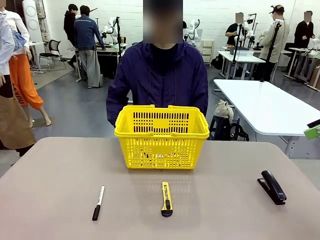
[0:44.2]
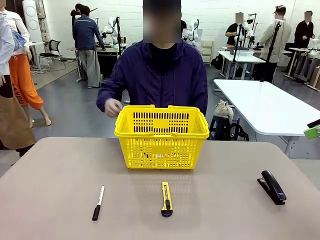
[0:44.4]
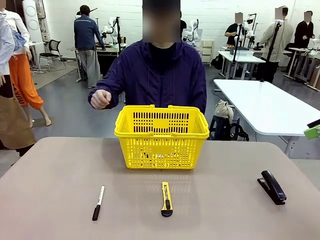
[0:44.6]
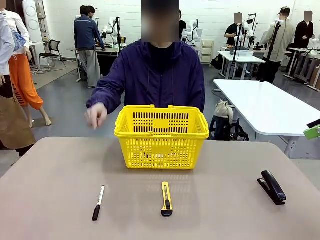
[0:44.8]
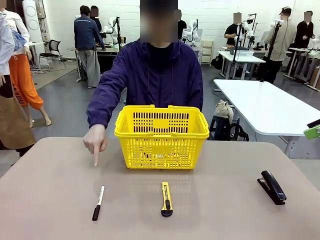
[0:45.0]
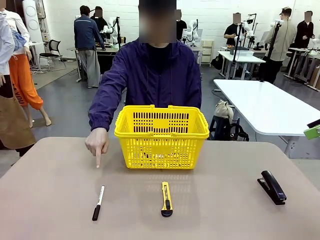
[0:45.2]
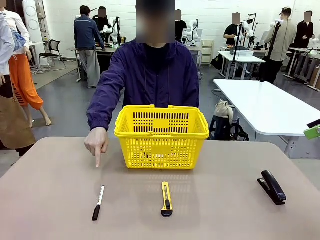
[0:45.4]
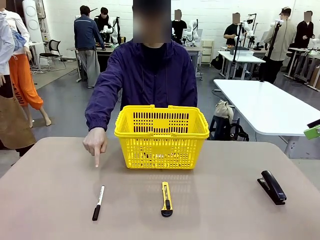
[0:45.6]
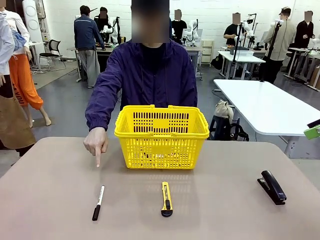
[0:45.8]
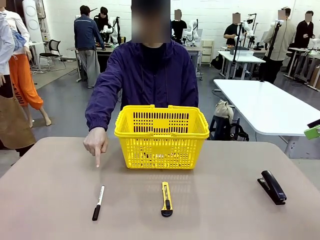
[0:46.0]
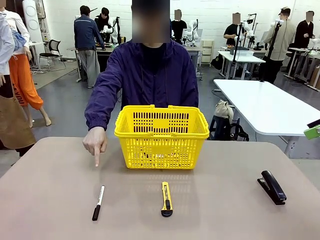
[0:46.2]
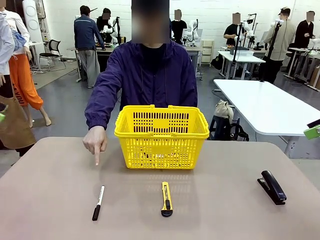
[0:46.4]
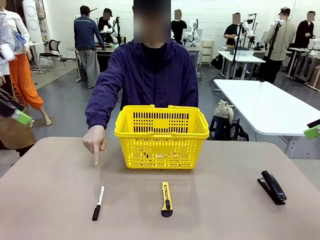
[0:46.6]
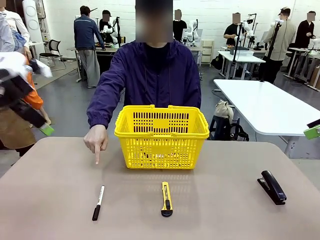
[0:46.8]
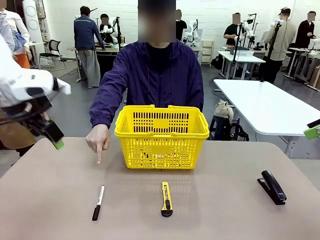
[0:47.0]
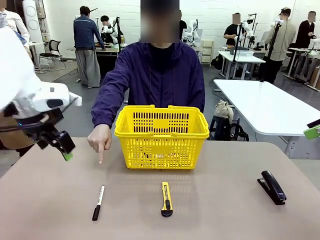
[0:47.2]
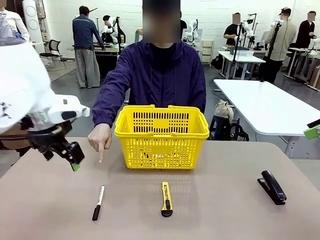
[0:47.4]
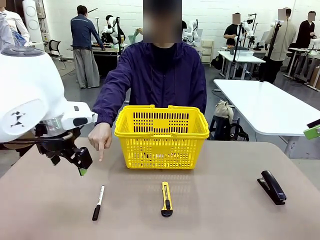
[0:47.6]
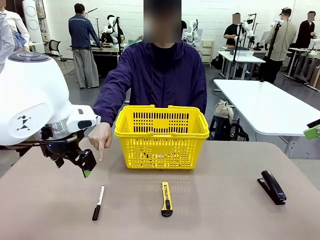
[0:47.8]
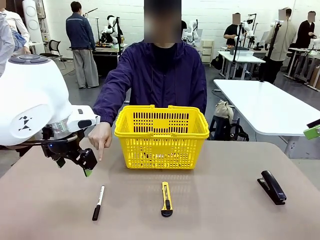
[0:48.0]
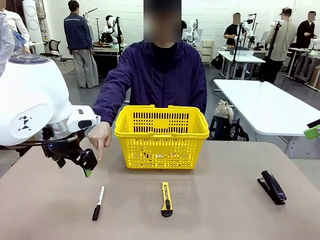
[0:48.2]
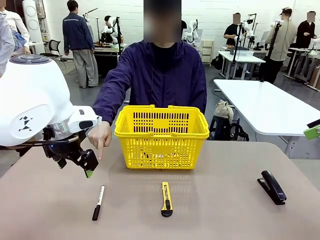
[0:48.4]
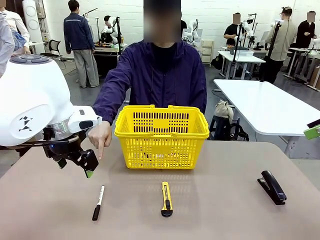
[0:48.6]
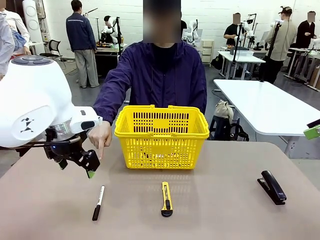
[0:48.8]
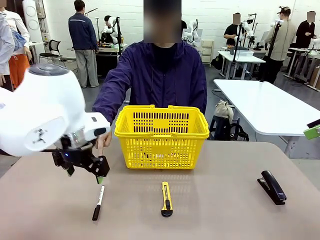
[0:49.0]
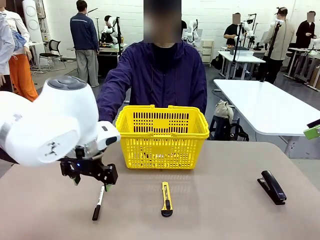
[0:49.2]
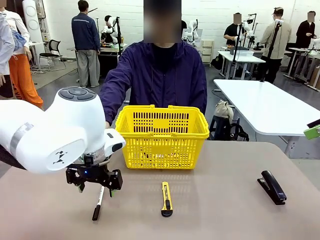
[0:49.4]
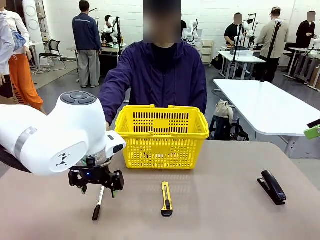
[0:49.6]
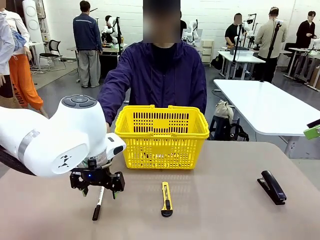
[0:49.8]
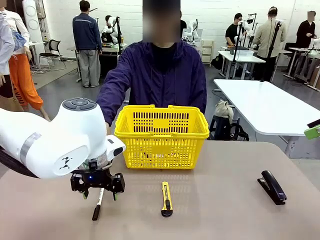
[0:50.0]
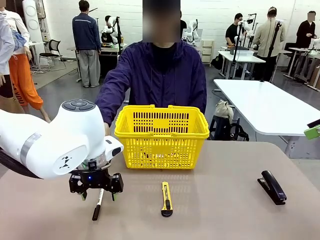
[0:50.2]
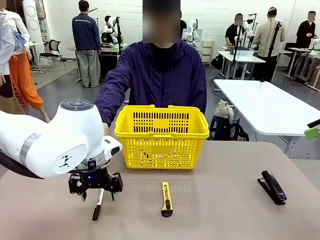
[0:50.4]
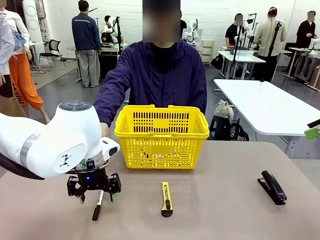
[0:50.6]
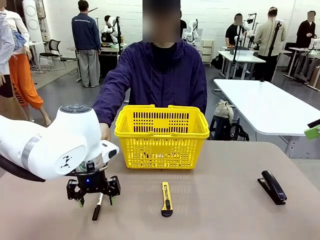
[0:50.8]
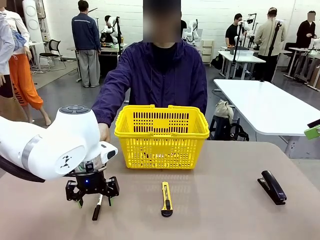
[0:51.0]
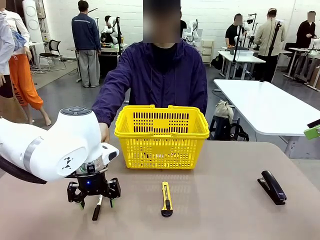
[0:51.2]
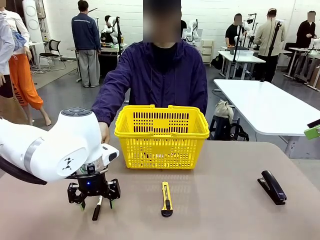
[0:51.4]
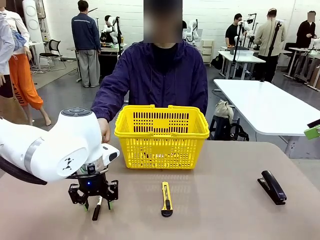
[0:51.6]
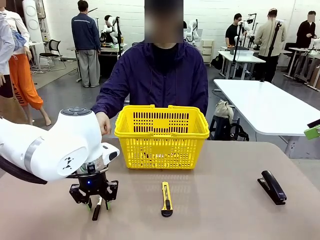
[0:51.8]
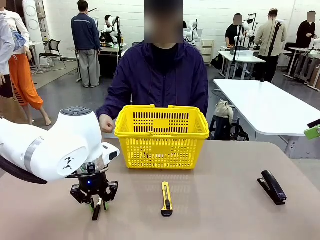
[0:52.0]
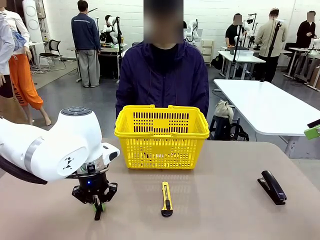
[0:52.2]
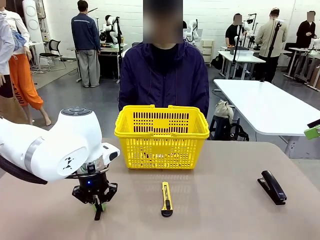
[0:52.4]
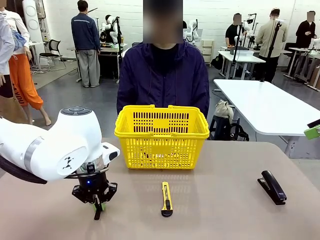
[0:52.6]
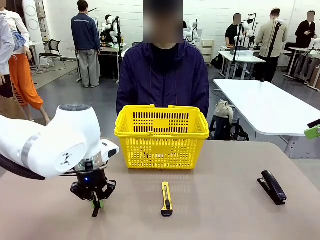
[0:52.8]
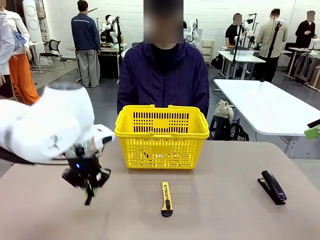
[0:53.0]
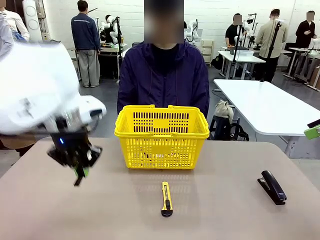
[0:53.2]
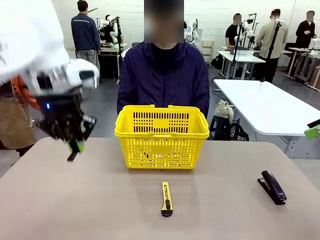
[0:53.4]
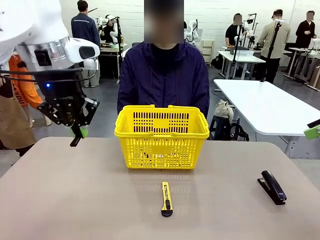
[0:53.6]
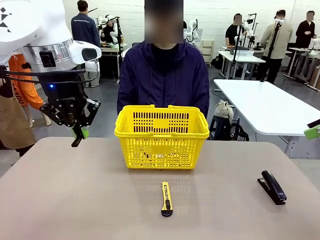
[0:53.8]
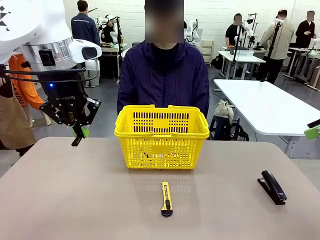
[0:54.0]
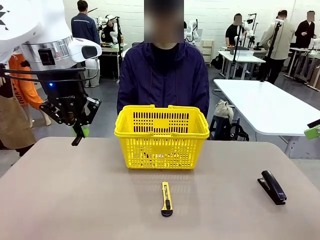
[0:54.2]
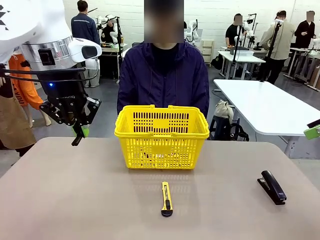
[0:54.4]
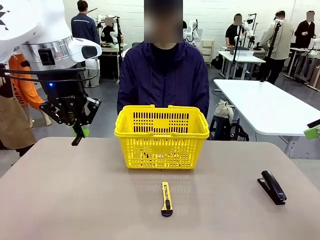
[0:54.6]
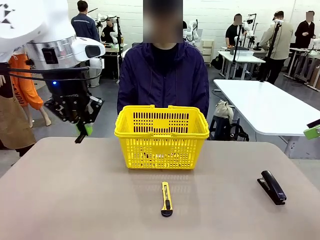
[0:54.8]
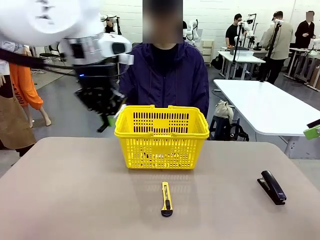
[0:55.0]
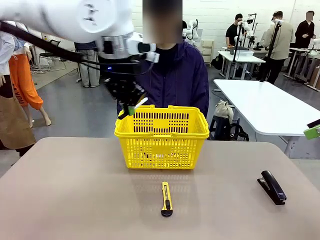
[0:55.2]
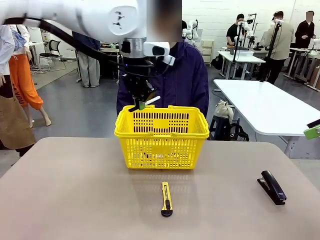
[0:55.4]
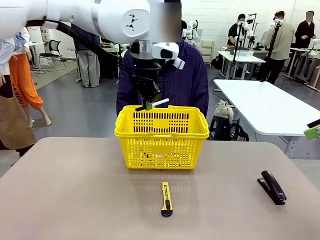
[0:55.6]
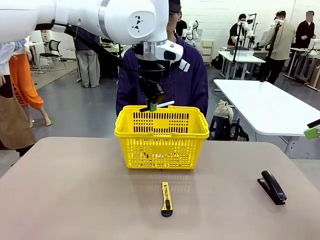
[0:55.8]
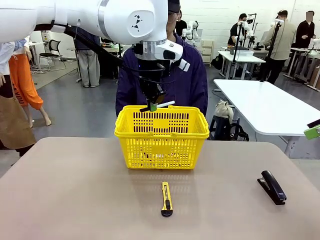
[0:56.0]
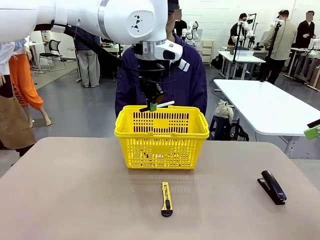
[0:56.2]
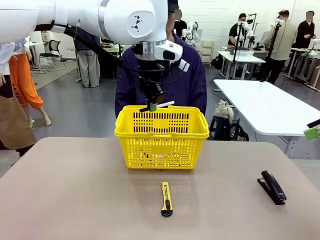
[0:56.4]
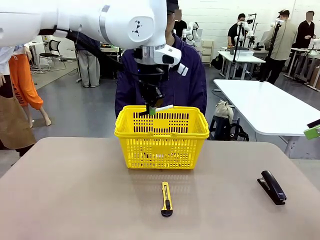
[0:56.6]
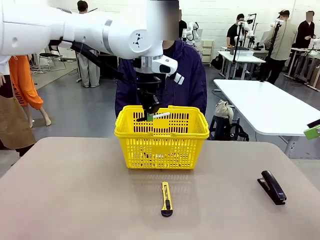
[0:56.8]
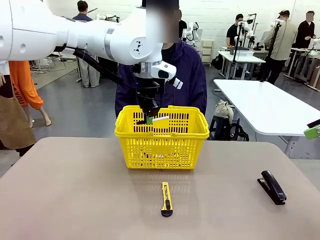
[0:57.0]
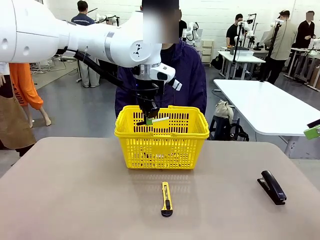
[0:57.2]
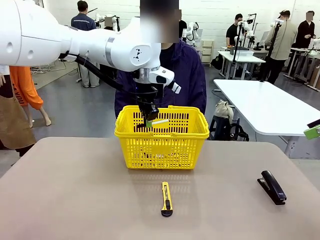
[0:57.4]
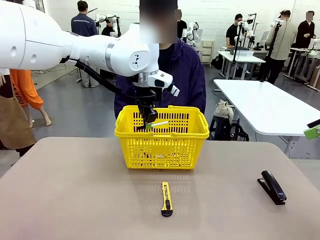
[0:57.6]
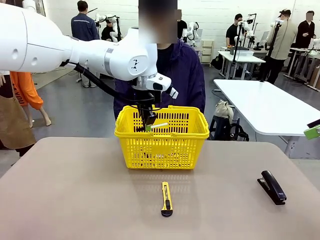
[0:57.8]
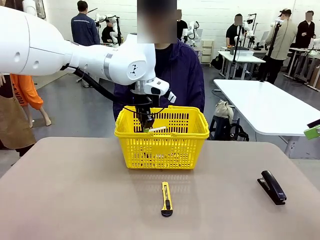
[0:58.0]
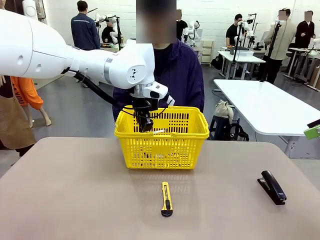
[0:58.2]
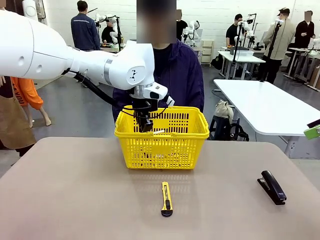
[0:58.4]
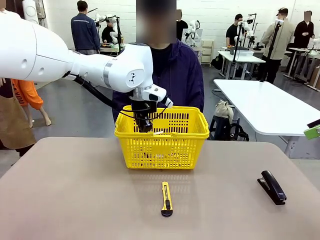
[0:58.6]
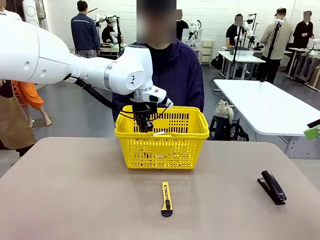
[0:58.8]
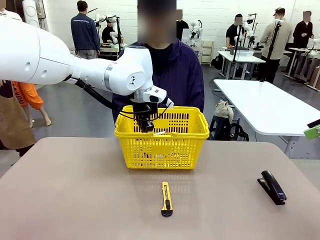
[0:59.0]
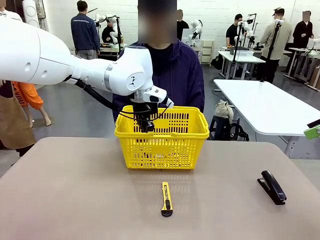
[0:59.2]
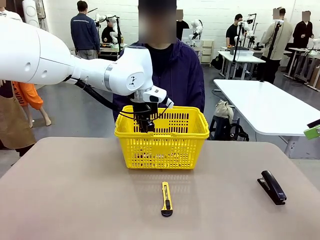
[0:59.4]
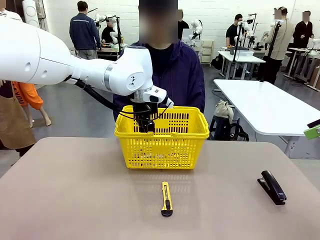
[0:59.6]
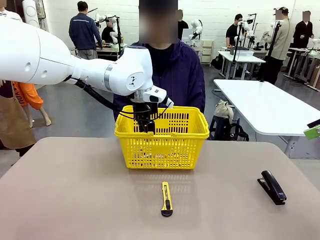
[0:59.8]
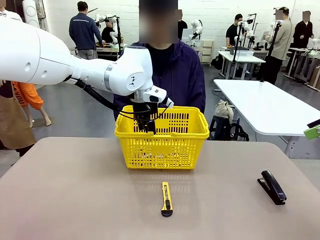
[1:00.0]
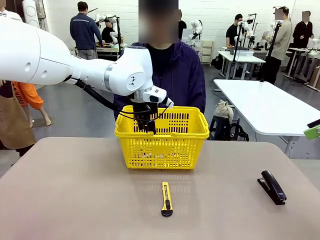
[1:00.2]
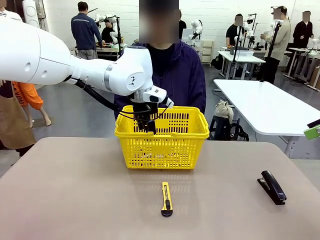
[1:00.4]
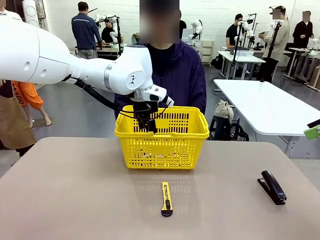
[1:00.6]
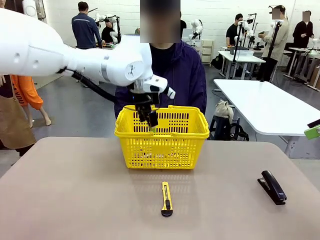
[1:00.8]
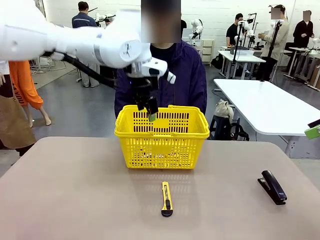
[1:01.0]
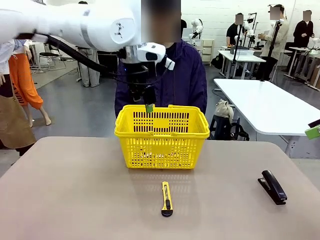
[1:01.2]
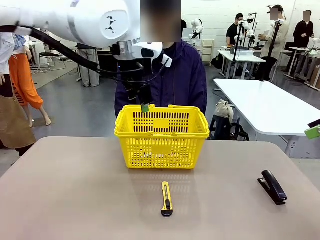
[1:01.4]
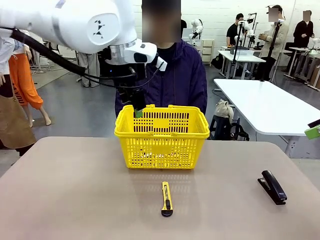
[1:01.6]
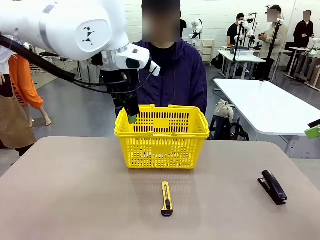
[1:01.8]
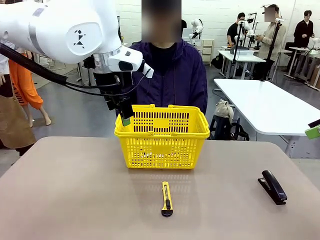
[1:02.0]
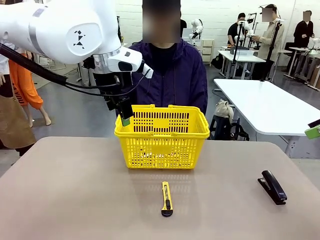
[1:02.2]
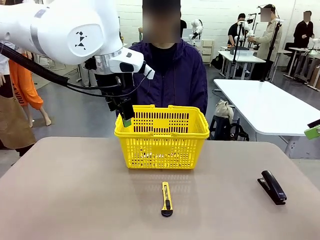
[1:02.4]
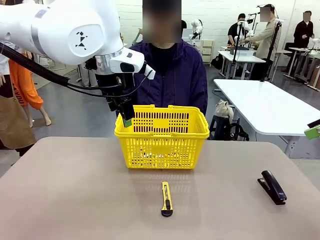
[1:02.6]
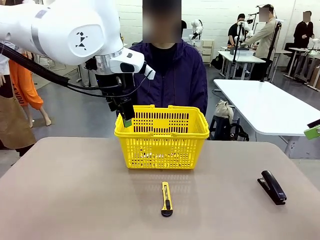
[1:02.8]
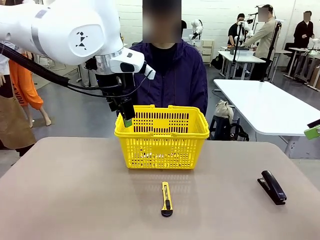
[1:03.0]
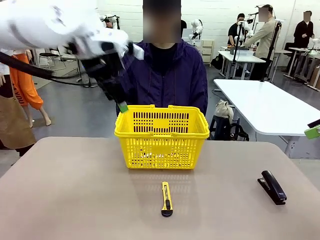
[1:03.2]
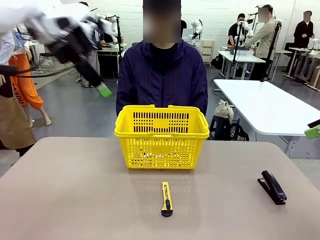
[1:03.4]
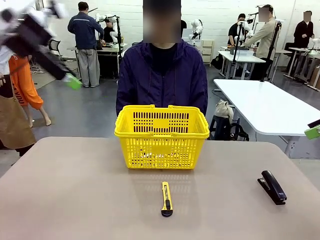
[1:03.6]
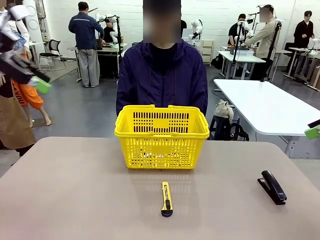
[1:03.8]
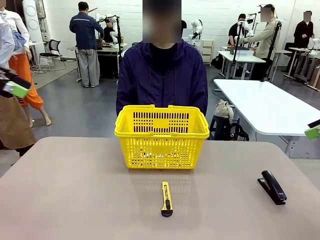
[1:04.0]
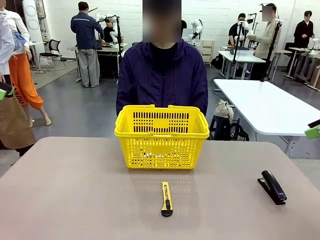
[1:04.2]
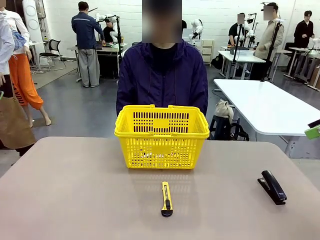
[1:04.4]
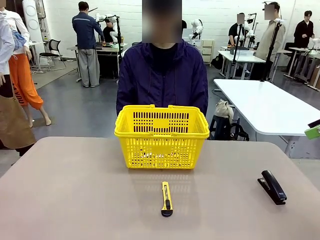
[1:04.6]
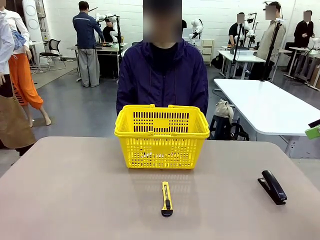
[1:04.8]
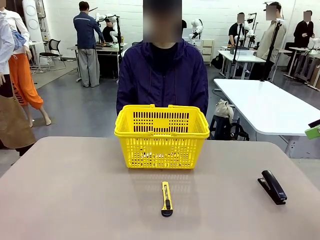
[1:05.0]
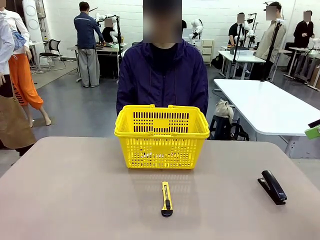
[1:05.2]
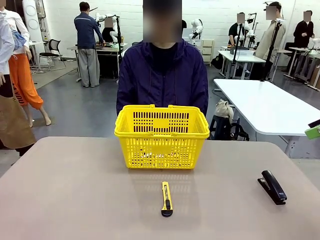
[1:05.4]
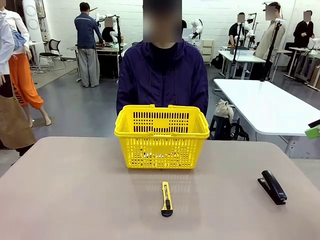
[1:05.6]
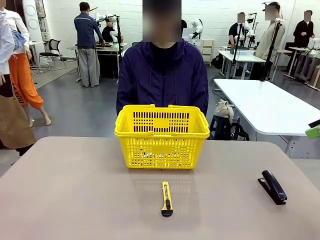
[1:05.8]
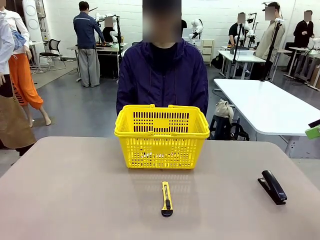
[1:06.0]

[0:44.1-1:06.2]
Task: Place the items the person wants into the basket.
Robot: Pick up the item the person points to and place it in the Market Basket.
